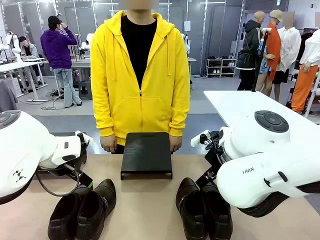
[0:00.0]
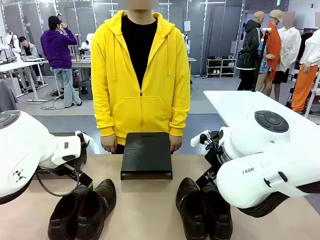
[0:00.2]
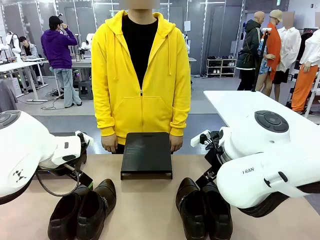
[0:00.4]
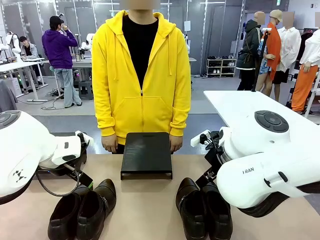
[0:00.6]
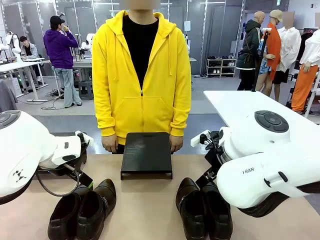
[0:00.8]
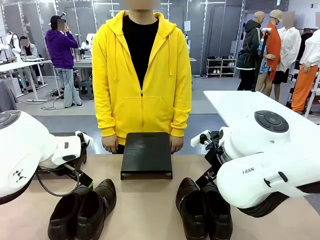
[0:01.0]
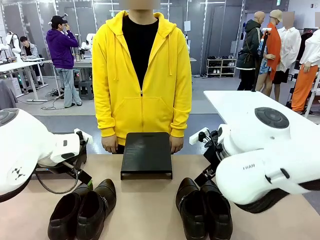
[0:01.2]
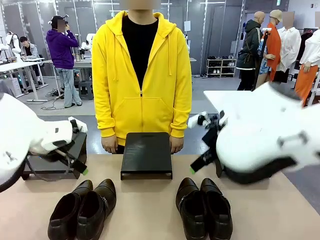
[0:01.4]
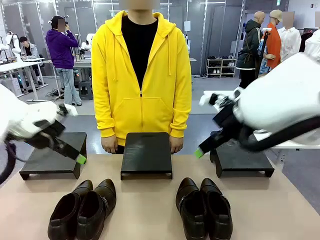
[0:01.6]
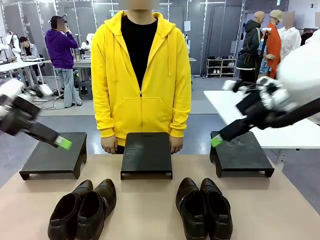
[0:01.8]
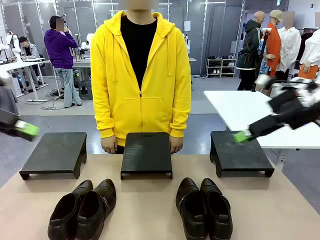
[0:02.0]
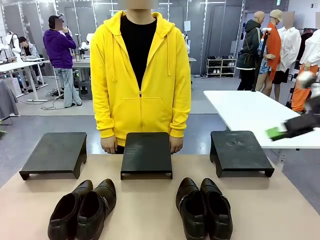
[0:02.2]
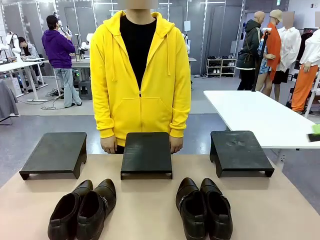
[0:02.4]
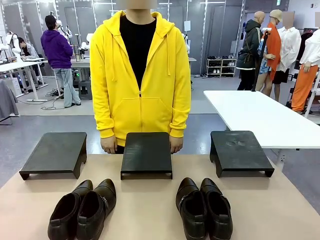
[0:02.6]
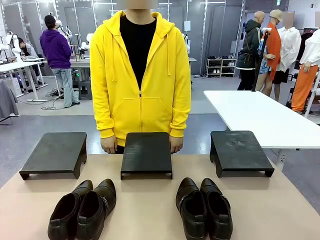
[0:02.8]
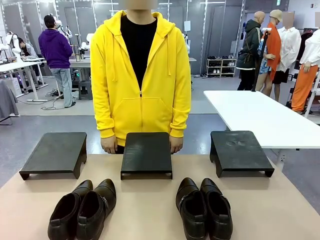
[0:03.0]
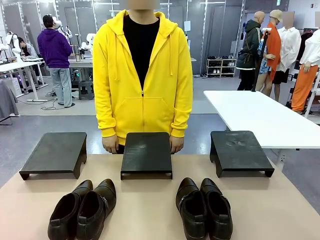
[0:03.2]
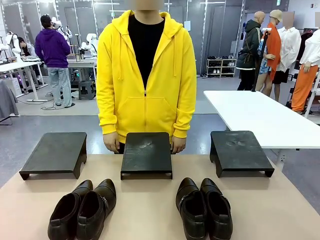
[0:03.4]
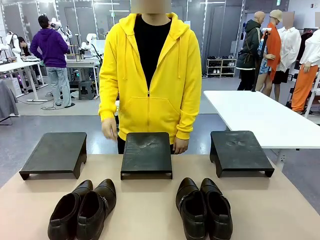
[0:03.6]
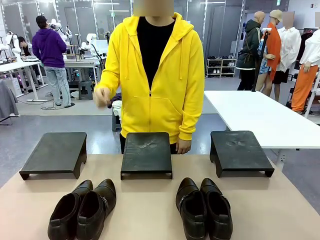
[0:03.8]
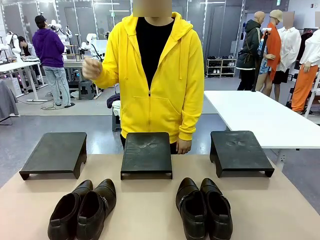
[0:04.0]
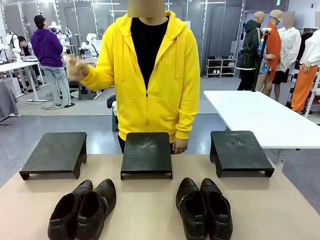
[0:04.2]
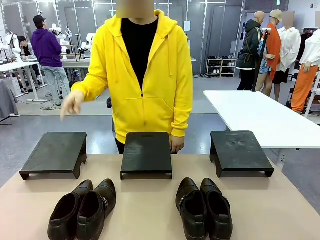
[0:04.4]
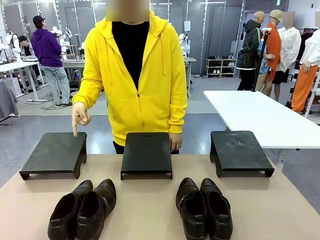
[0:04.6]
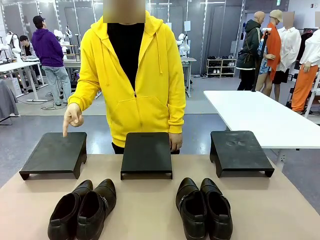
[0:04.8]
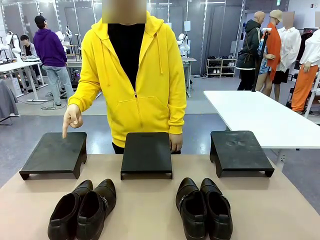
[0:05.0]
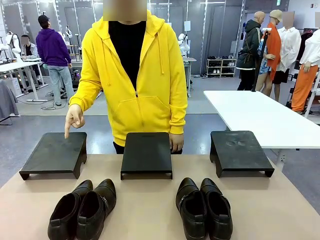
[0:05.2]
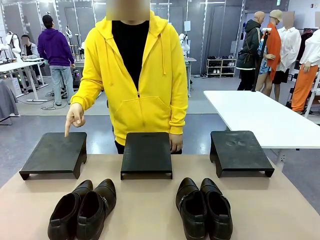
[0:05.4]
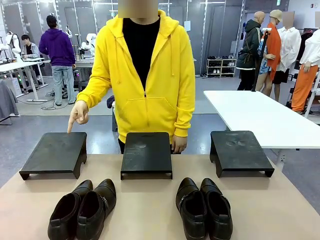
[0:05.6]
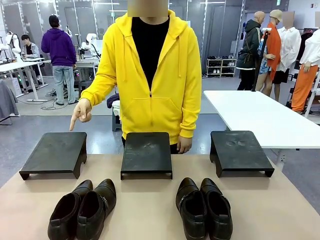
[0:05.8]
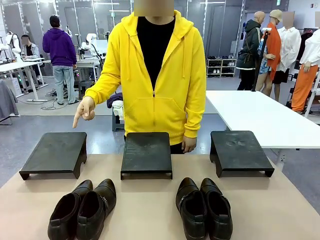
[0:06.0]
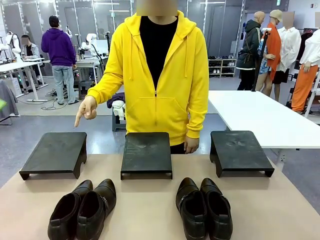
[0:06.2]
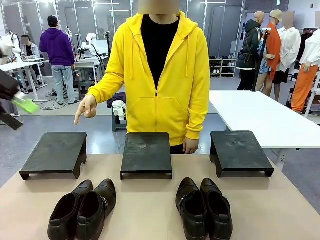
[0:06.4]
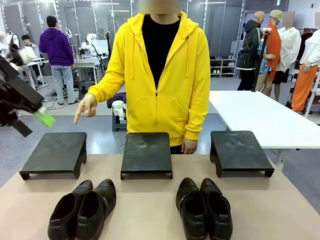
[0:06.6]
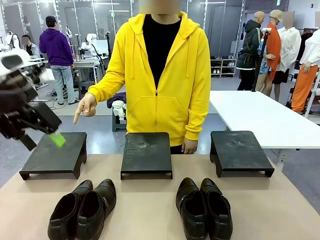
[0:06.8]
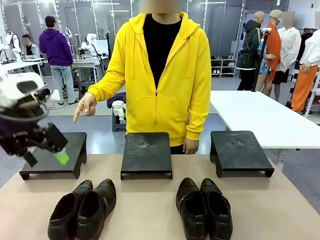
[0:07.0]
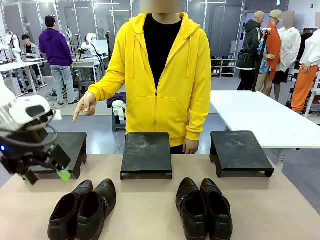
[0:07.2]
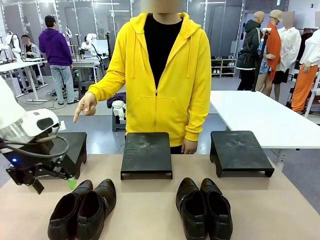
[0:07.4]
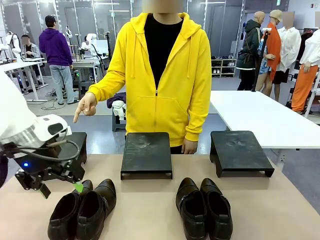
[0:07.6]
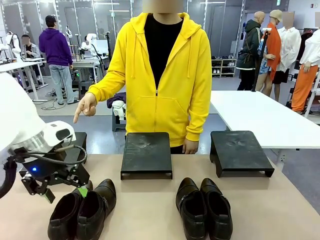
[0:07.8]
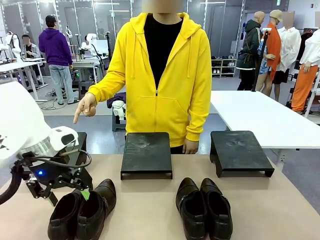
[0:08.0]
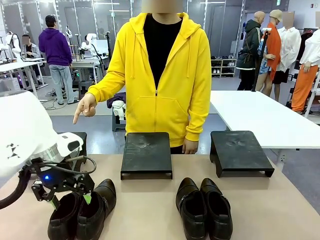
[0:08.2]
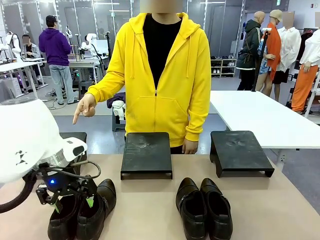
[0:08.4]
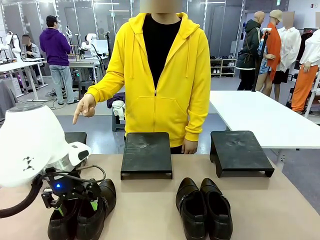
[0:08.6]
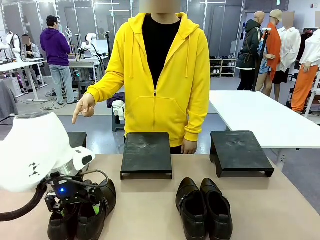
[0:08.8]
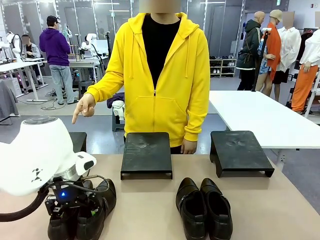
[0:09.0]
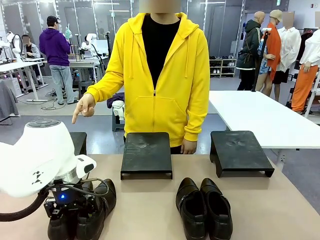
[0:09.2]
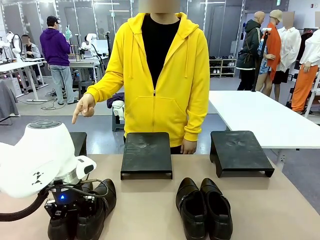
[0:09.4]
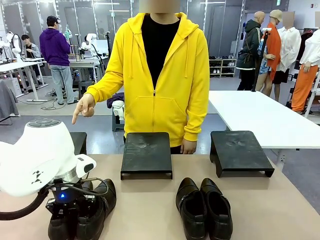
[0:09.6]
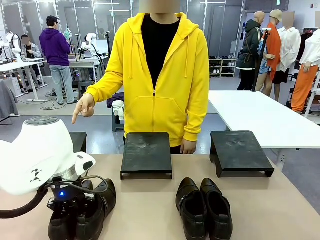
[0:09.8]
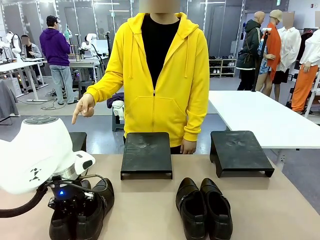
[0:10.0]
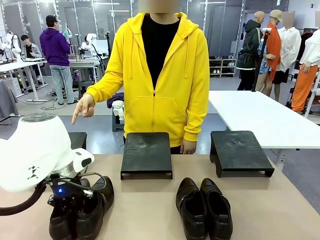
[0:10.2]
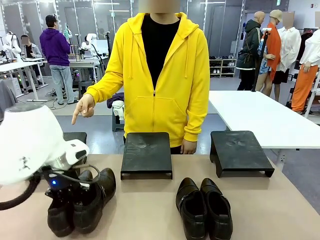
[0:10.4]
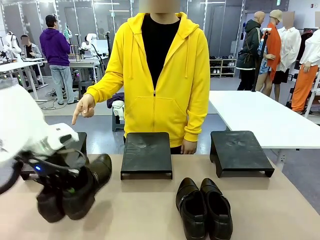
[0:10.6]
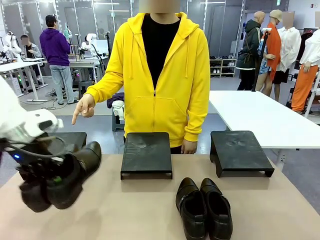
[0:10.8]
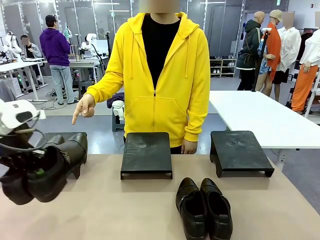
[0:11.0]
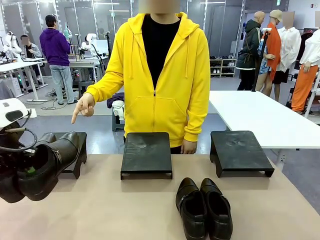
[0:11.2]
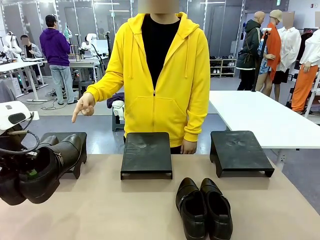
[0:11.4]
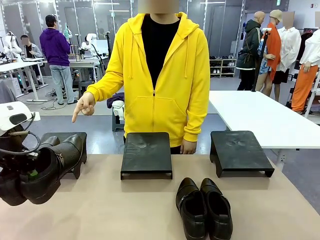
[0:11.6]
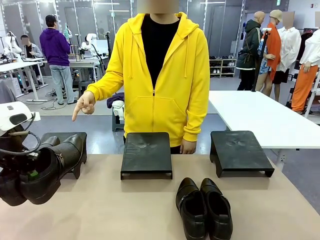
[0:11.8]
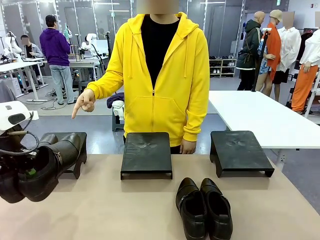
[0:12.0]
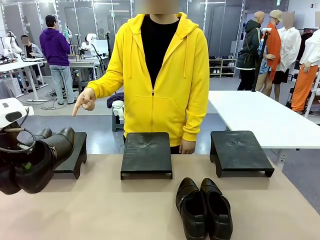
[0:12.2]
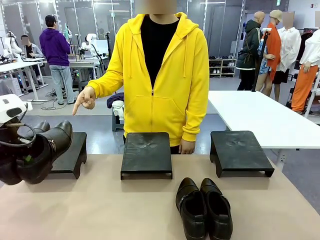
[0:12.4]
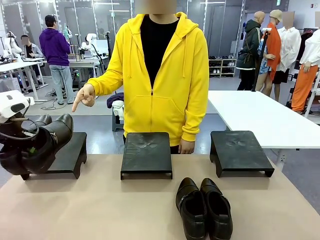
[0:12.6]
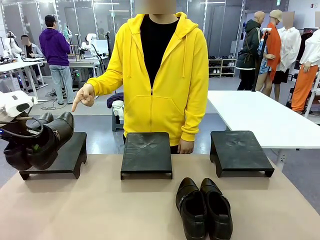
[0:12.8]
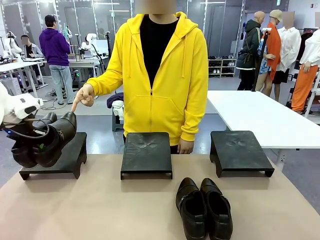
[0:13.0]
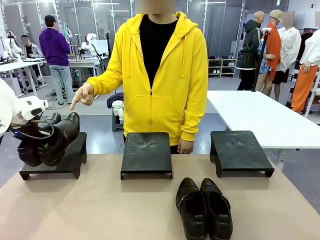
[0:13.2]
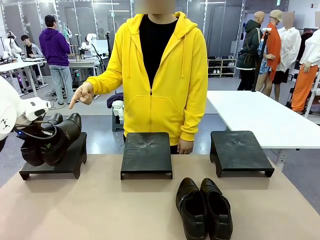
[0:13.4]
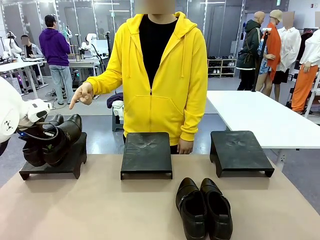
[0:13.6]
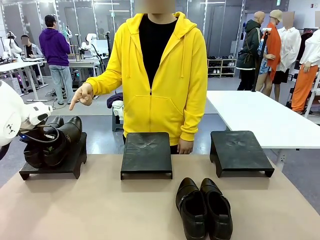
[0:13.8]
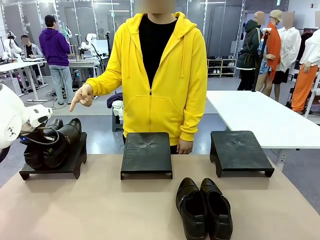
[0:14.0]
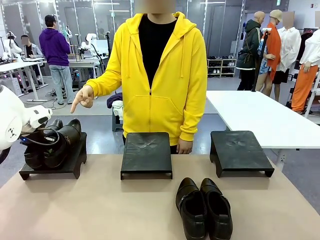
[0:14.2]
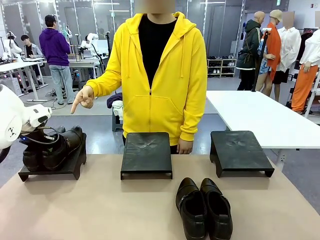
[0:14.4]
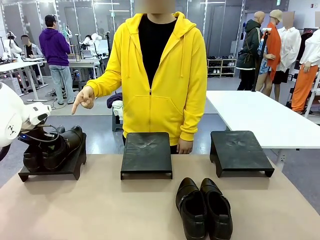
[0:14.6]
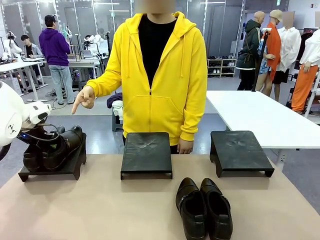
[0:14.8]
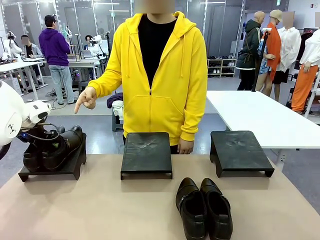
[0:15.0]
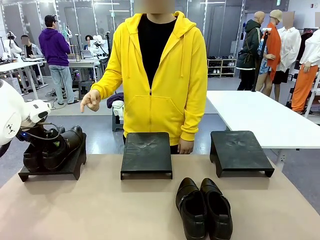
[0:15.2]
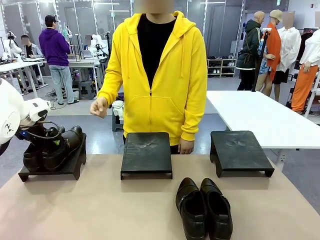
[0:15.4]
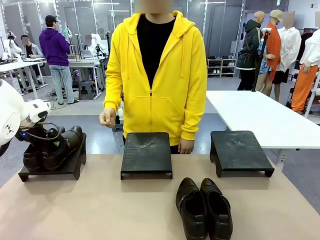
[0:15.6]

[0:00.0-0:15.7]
Task: Place the shoes on the stand as instructed by the person.
Robot: Pick up one pair of Shoes and place it on the Shoes Stand indicated by the person.
